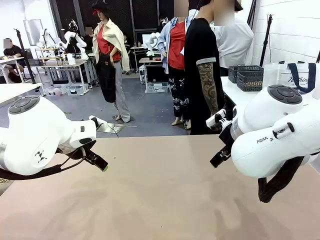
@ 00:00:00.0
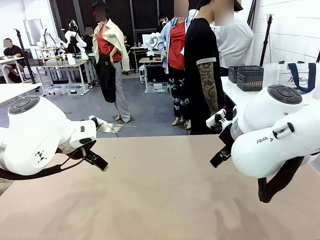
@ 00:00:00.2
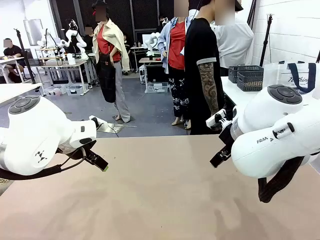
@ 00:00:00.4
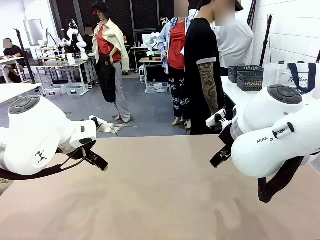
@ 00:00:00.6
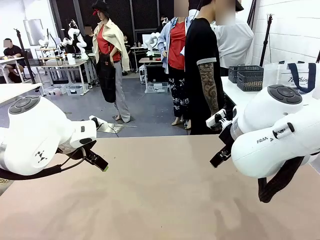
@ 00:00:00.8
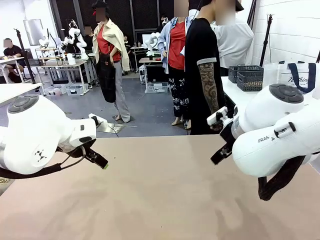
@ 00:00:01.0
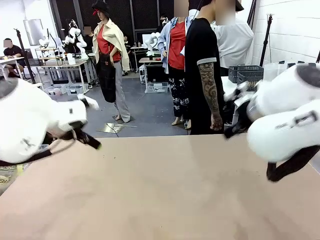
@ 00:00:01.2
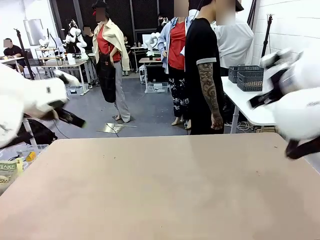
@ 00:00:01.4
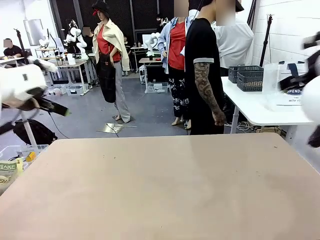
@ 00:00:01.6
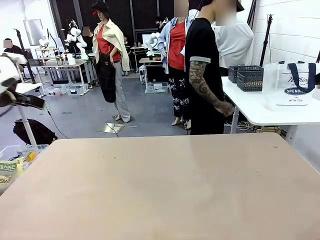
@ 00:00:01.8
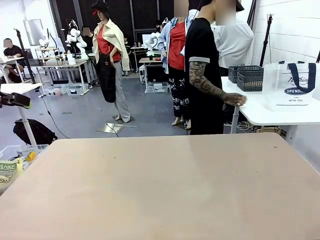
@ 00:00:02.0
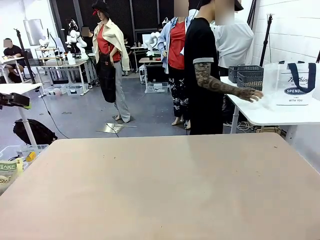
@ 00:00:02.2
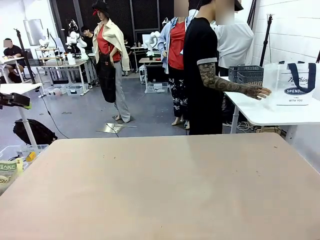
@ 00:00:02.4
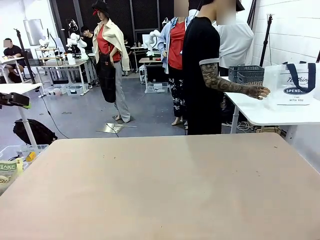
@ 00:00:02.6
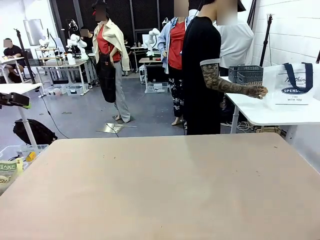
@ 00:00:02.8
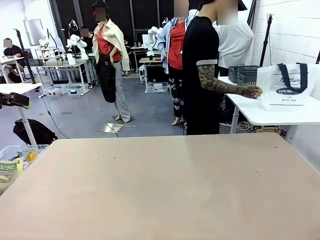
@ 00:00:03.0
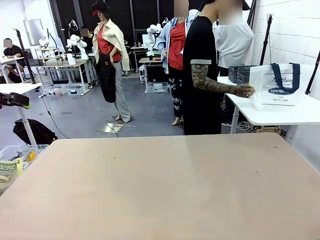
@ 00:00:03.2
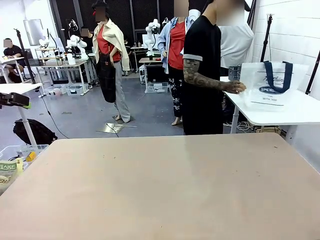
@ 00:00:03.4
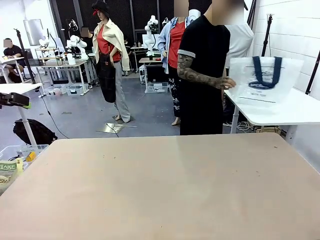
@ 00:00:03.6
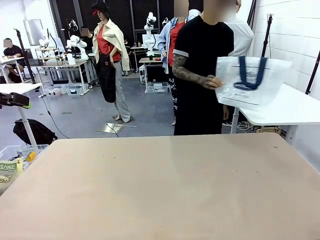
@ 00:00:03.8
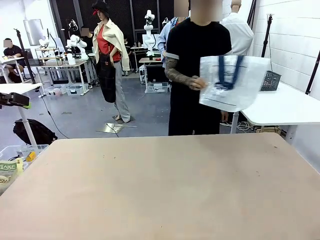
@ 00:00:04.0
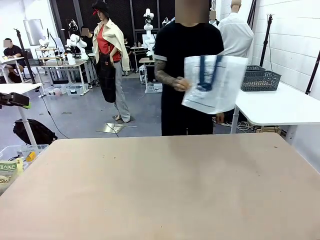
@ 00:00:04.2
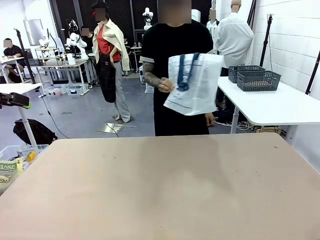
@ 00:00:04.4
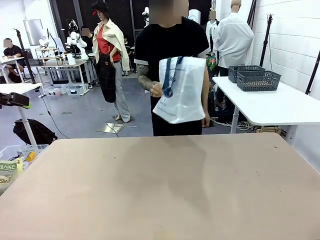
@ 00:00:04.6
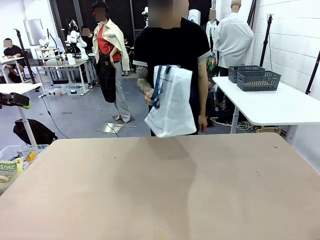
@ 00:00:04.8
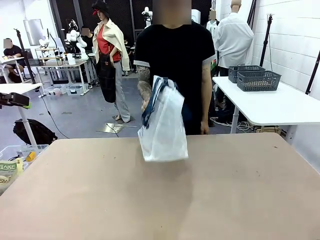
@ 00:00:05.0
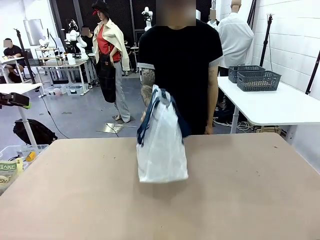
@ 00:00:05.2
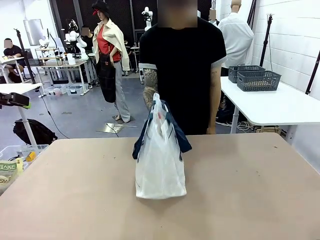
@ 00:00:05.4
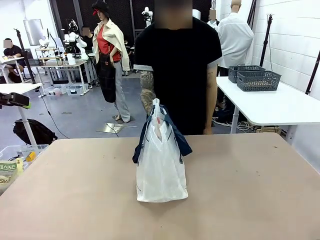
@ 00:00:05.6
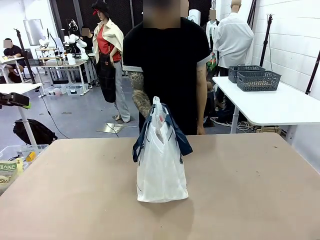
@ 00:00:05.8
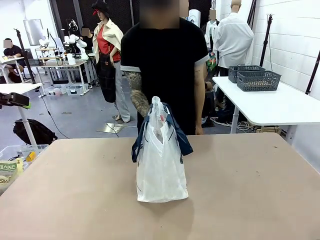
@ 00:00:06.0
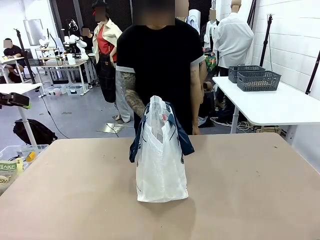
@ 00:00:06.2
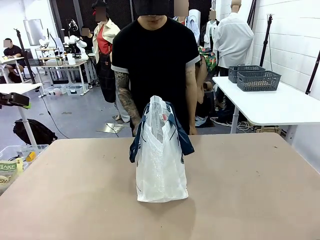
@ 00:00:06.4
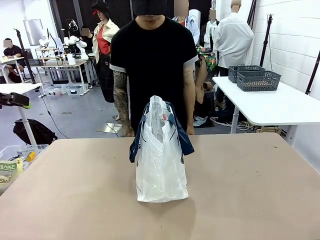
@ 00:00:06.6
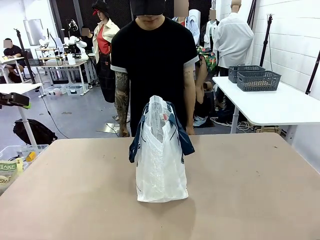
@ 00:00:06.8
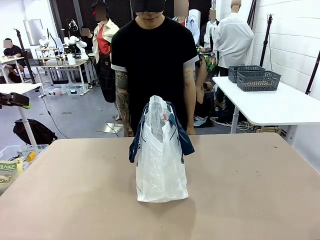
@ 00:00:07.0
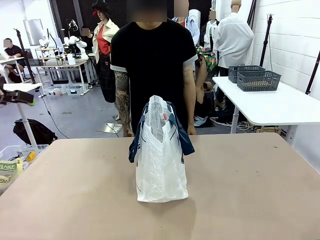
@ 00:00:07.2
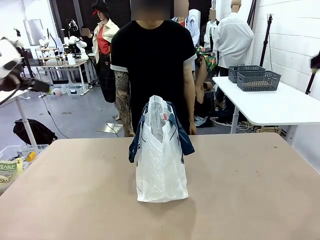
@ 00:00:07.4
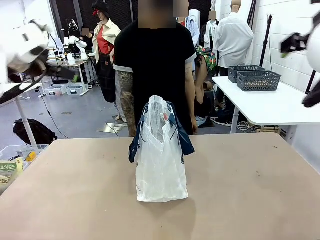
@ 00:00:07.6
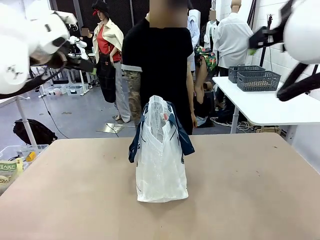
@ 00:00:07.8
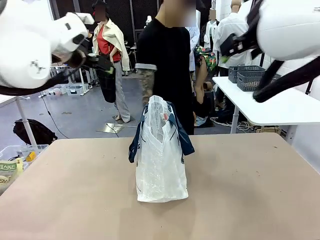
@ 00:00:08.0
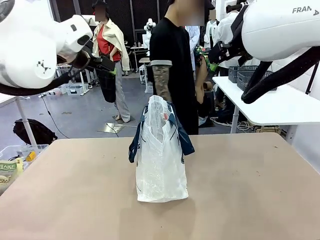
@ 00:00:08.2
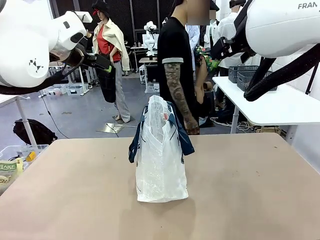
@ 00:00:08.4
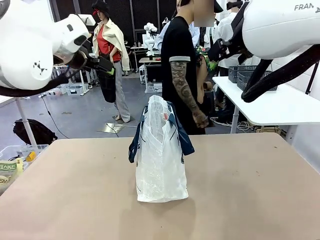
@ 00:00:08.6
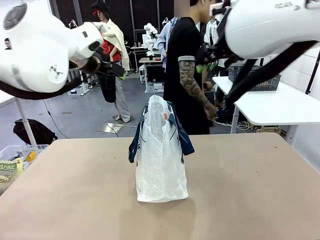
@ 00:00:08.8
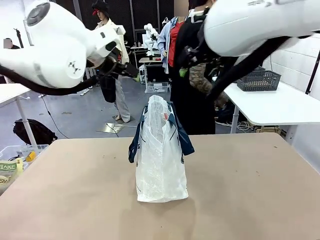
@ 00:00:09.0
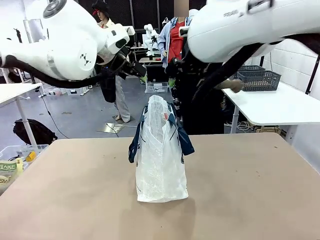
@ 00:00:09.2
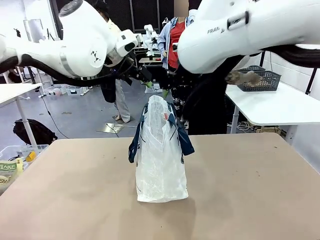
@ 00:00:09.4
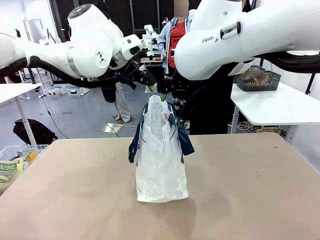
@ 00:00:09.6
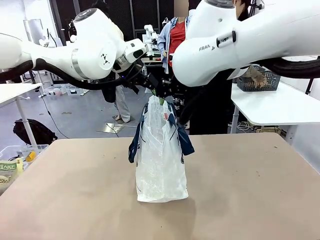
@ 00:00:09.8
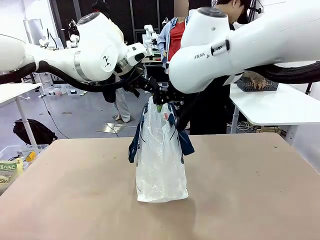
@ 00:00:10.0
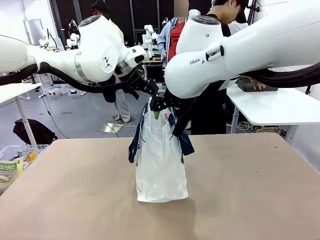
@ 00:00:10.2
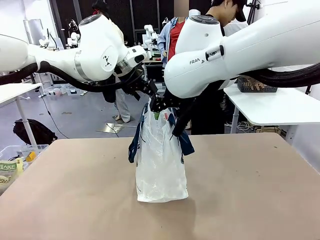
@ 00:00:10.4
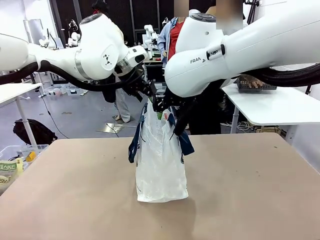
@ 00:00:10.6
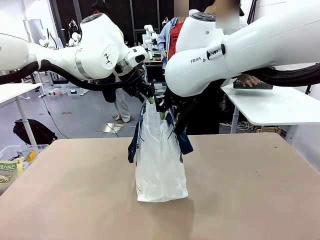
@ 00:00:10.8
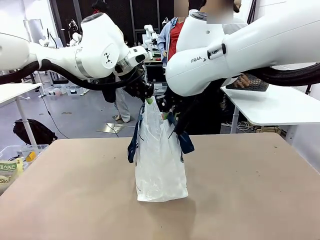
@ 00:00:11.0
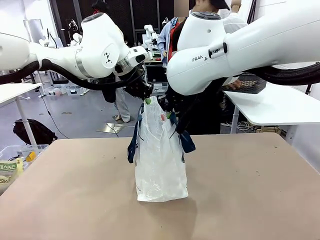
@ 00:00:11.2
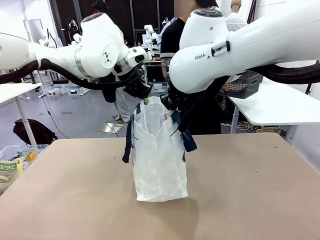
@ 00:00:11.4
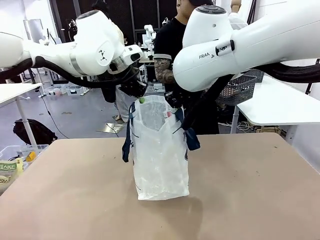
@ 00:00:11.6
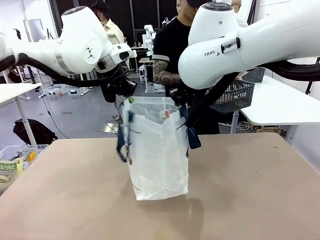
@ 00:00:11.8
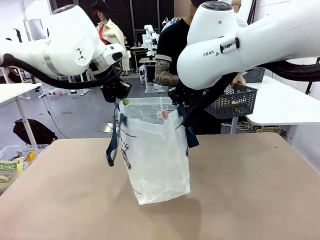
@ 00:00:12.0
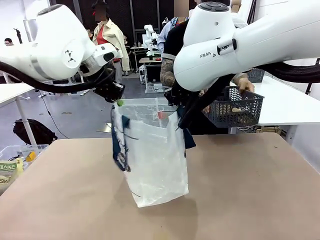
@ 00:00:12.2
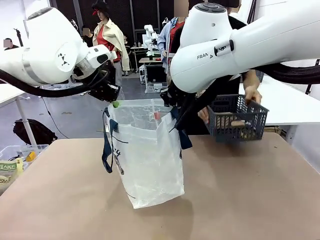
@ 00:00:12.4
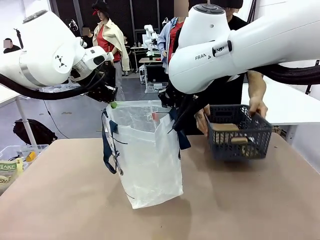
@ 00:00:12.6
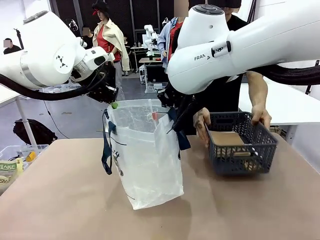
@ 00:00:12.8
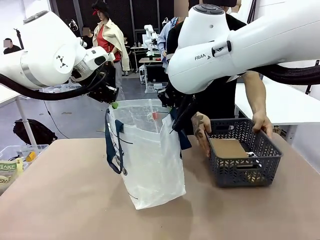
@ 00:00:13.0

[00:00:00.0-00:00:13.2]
Task: Transfer purchased items from the store into the shopping bag.
Robot: Open the Reusable shopping bag in the center of the table.
Person: Pick up the shopping bag and place it in the middle of the robot table. Pick up the basket on the right, place it on the left side of the robot table, and move the items in the basket to the shopping bag.
